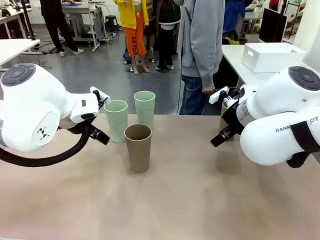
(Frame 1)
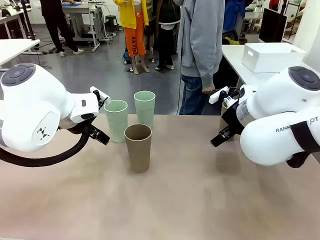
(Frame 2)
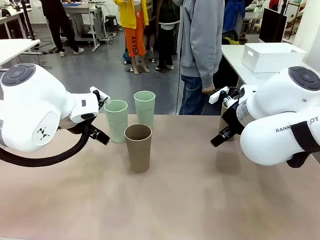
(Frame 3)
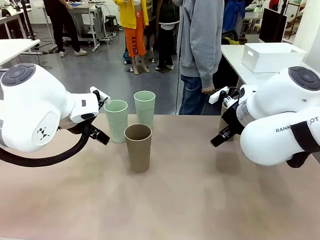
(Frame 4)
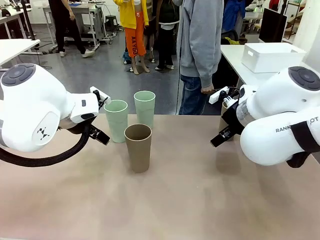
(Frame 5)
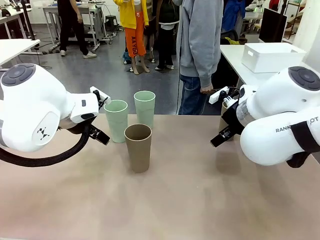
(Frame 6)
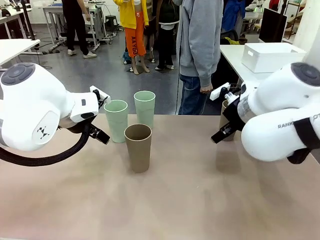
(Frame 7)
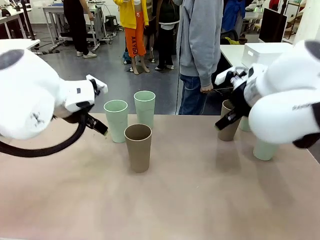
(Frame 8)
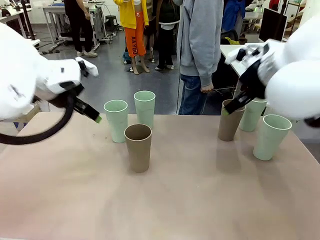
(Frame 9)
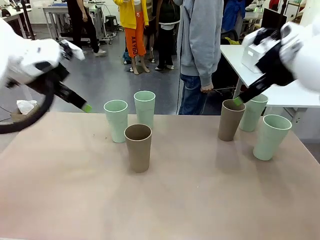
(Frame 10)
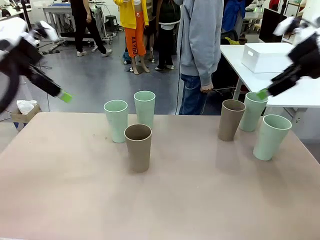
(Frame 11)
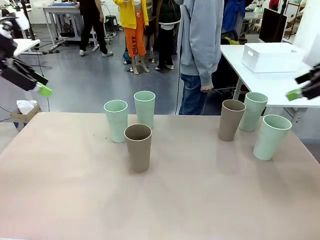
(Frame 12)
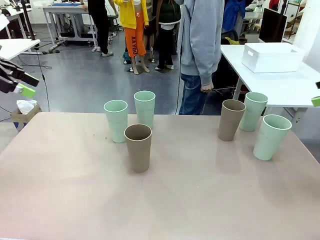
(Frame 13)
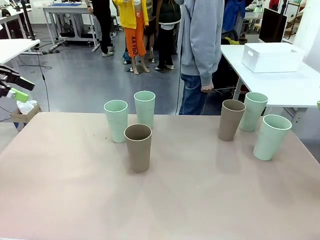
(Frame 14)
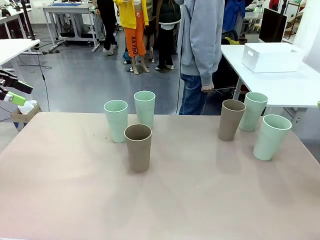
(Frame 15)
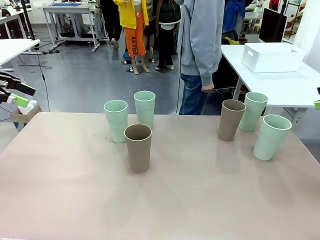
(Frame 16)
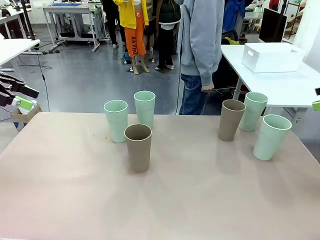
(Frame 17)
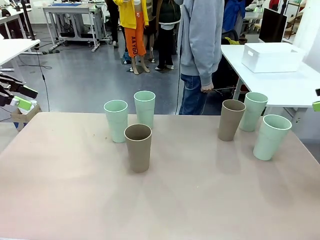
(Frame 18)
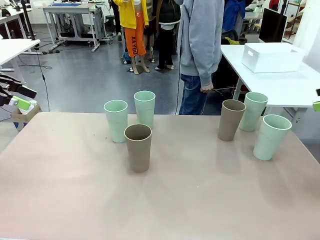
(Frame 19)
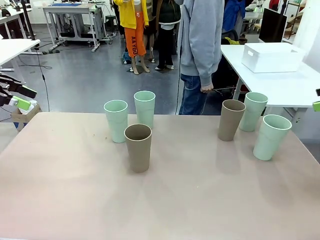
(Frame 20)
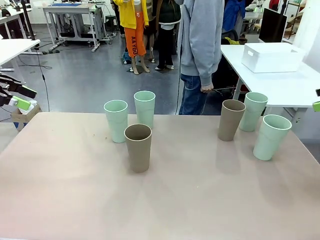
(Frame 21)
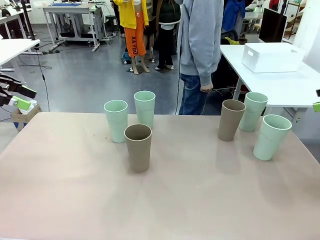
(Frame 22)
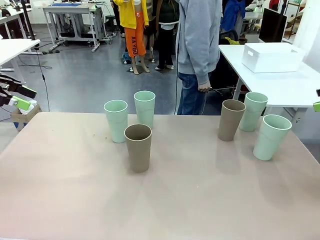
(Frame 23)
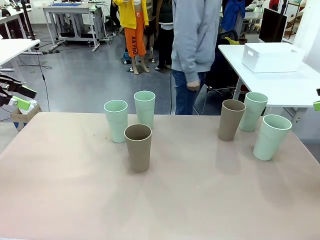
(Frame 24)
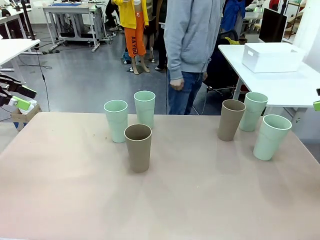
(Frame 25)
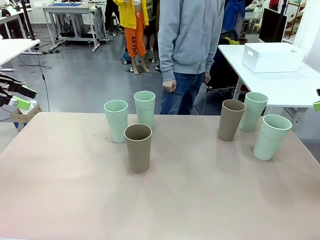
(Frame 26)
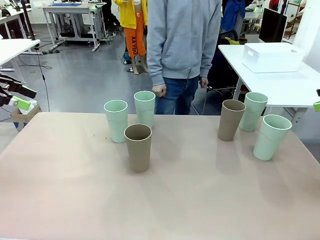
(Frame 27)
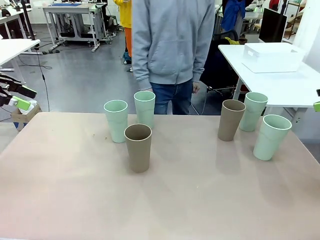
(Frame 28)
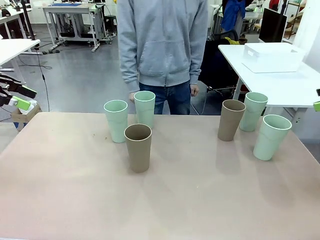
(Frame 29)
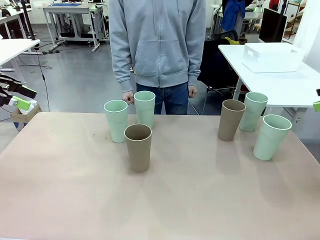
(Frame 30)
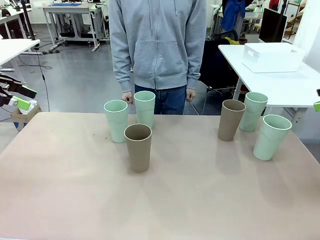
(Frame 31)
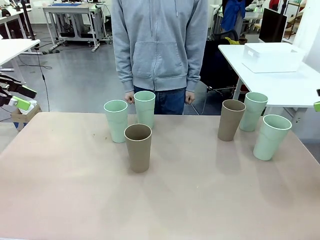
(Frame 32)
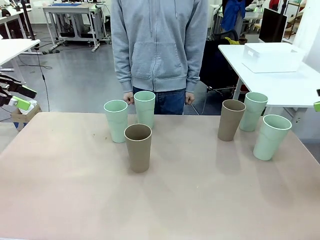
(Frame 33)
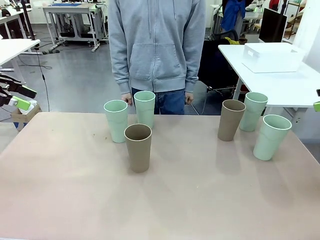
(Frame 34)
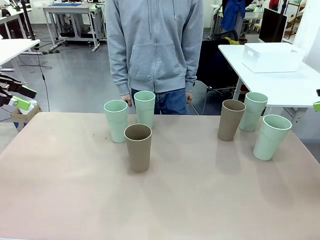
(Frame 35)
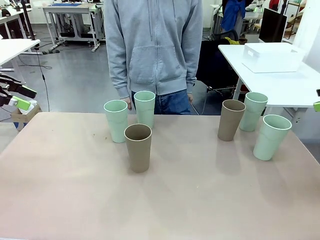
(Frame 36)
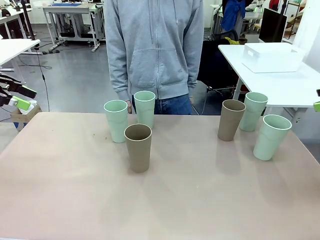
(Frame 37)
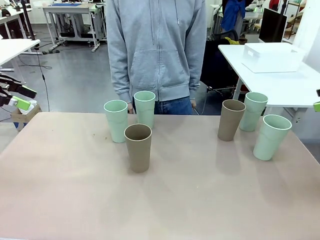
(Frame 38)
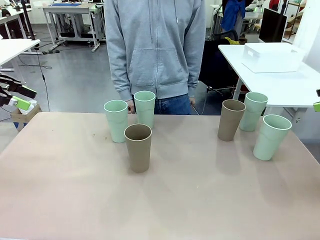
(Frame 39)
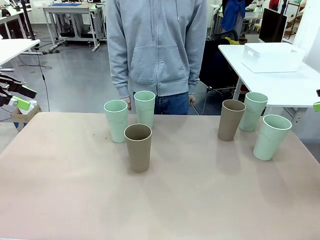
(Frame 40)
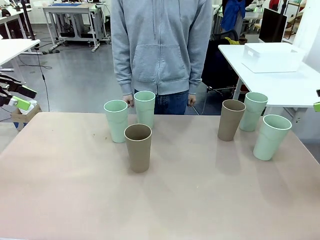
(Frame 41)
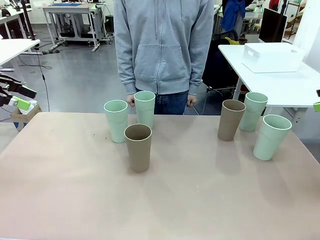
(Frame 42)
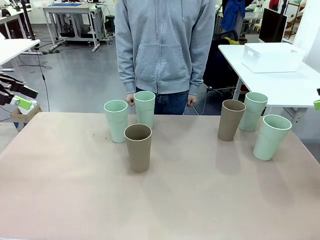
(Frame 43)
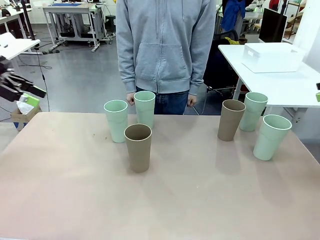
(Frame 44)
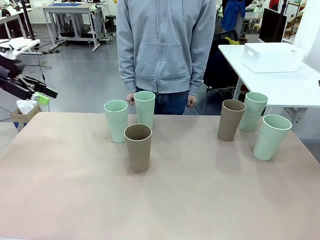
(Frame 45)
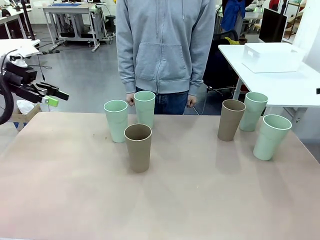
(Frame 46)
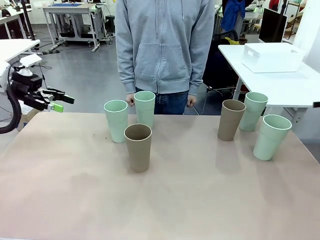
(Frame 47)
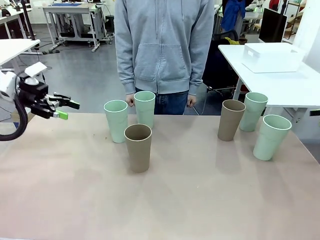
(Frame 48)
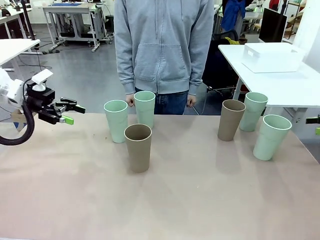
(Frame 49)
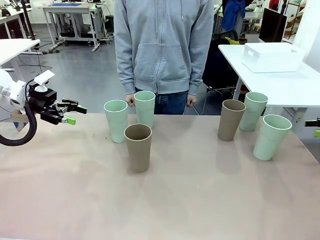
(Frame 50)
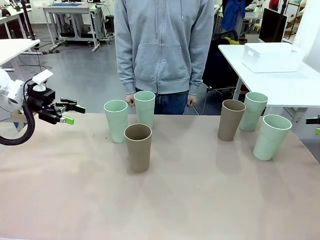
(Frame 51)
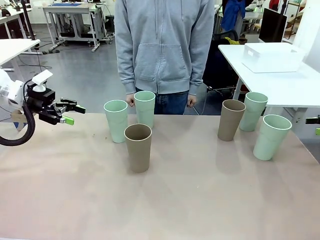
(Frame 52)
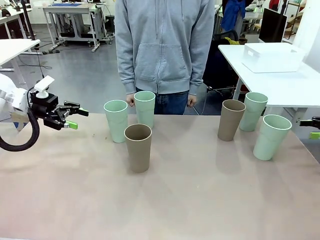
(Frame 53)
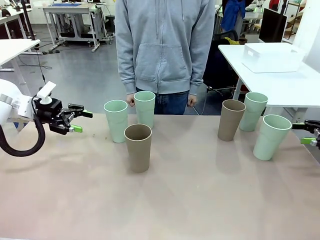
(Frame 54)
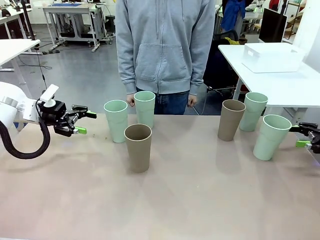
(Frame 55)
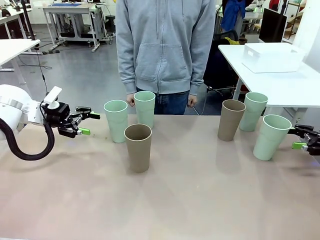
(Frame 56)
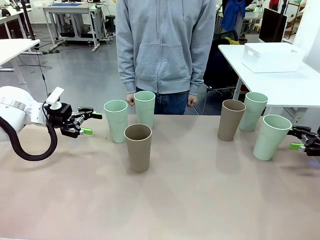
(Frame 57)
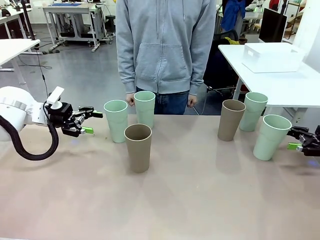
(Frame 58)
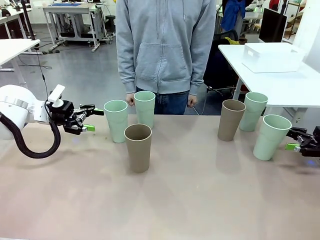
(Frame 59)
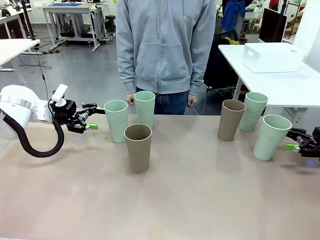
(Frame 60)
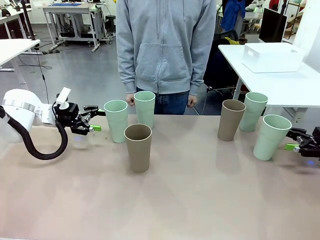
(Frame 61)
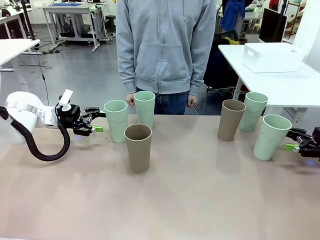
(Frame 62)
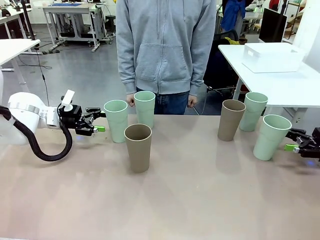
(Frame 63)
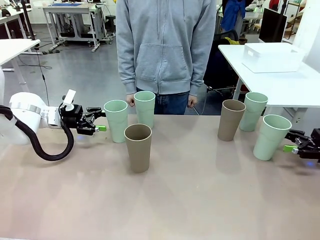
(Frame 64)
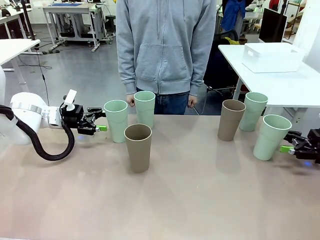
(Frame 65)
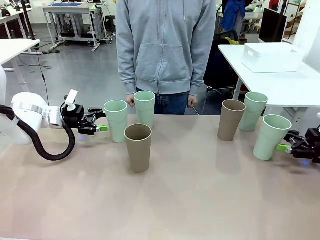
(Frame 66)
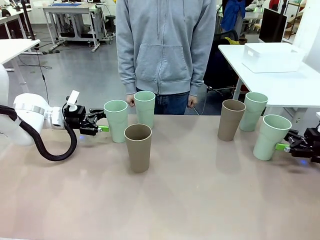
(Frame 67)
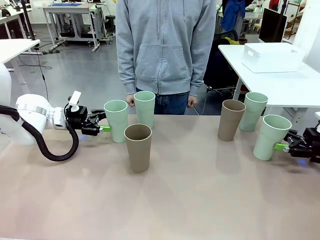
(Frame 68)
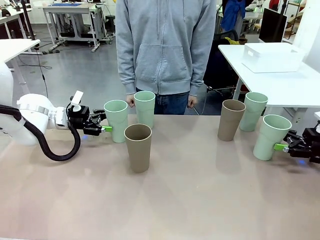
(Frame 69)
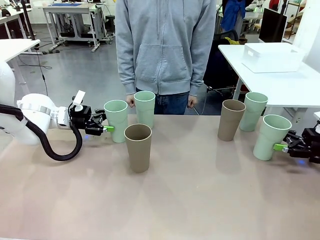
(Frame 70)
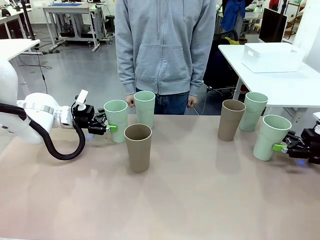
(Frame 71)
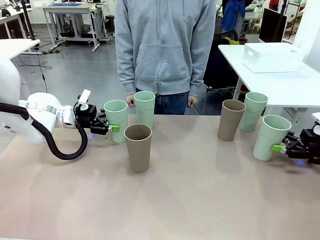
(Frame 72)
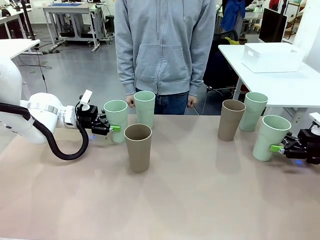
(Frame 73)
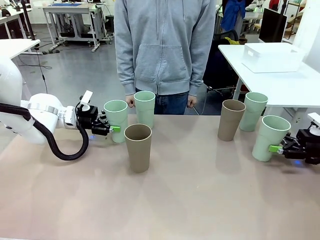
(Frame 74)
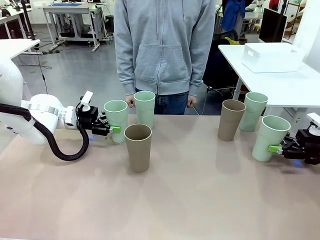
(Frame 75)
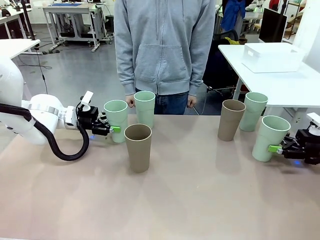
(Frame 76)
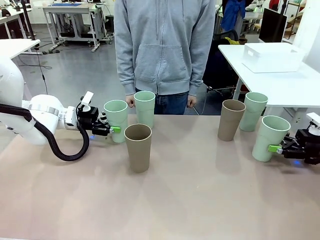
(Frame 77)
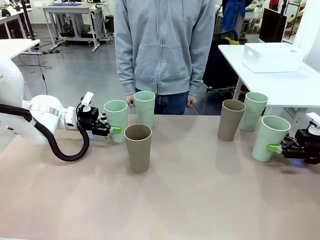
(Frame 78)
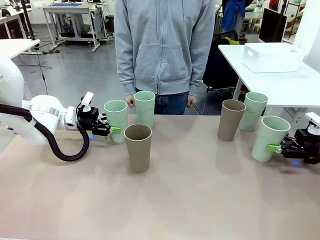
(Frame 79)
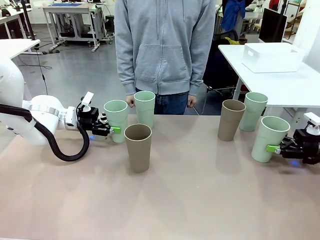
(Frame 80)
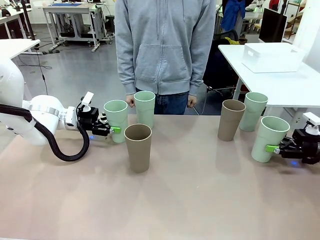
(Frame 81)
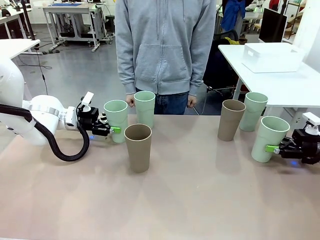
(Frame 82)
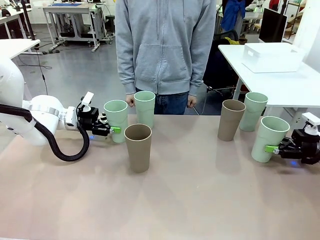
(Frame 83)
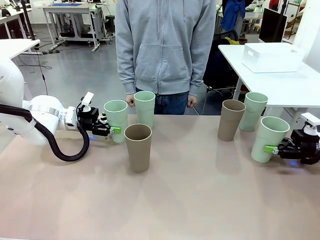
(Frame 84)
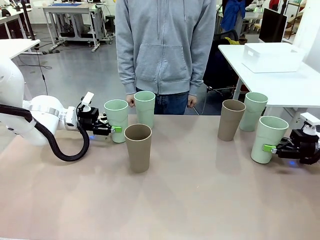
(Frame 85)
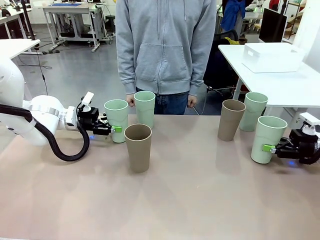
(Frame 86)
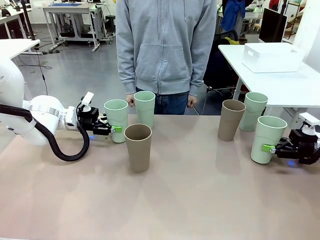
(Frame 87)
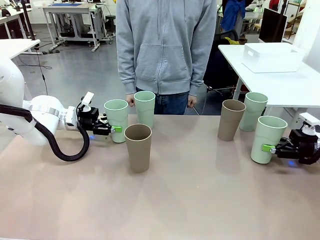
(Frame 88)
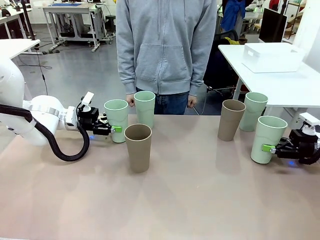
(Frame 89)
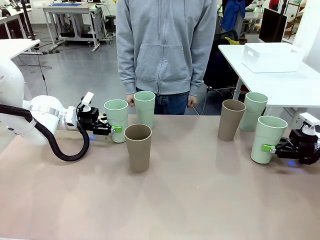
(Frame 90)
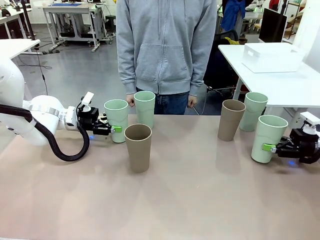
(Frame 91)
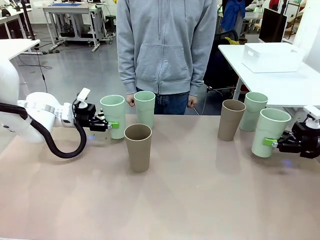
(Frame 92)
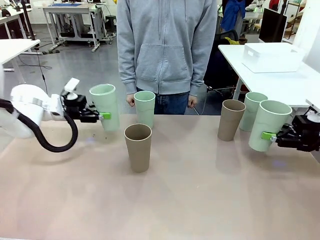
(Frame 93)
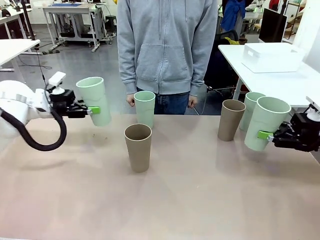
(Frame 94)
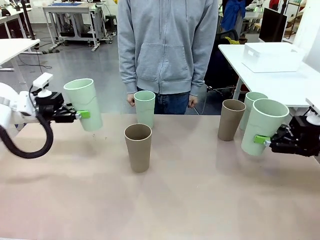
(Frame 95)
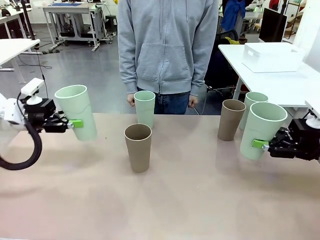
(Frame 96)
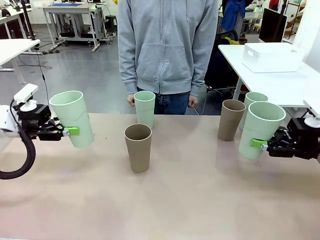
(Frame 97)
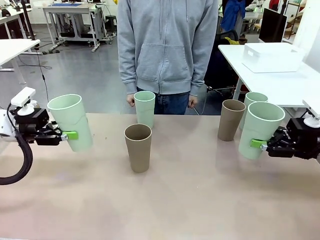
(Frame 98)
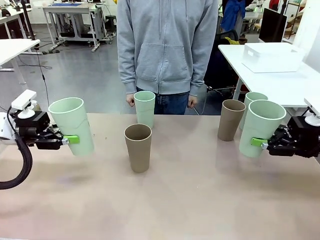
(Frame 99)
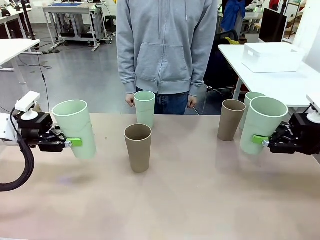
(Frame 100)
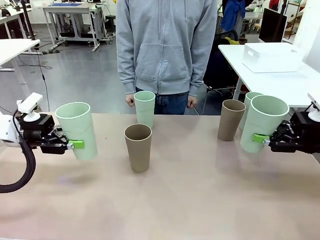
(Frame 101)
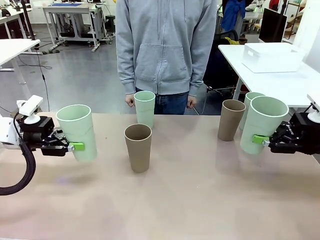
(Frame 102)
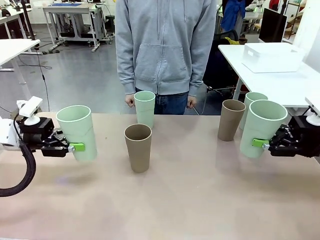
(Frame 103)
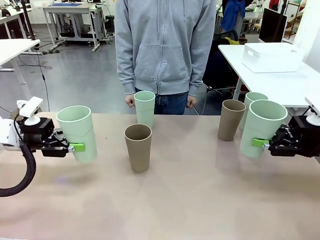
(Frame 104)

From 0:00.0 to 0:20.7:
Task: Stack the cups and store them in the basket.
Robot: Pick up two Reusable plastic cups , one in each hand.
Person: Move from the Human Table to the front of the Robot Table. Stack two of the remaining cups on top of each cup held by the robot.
